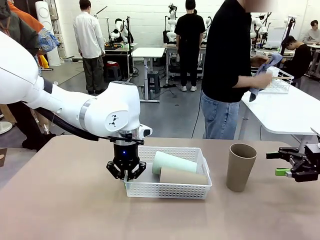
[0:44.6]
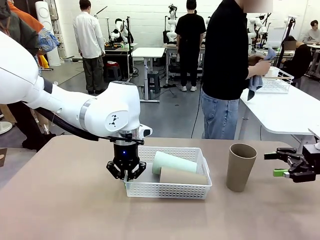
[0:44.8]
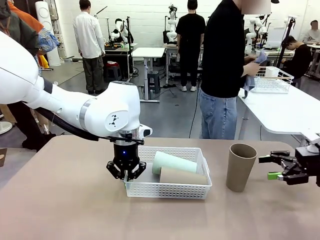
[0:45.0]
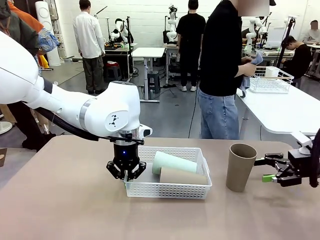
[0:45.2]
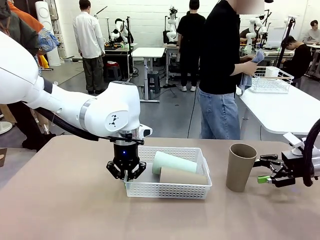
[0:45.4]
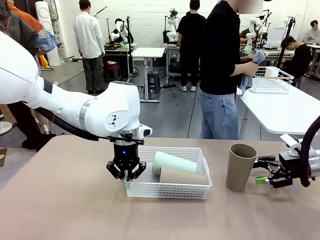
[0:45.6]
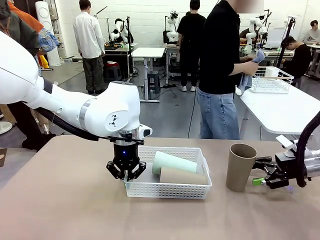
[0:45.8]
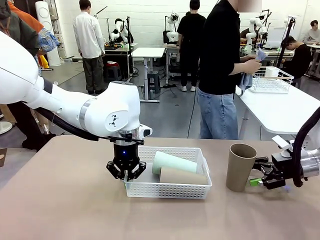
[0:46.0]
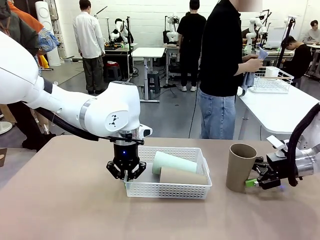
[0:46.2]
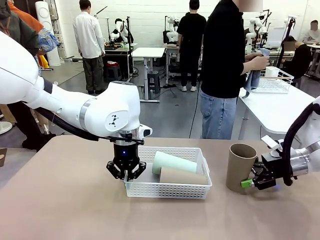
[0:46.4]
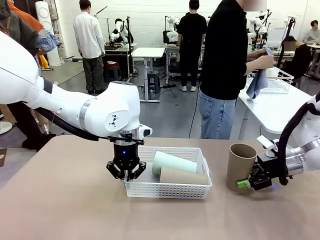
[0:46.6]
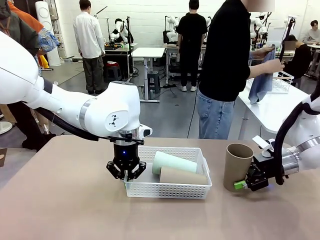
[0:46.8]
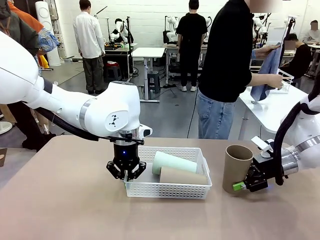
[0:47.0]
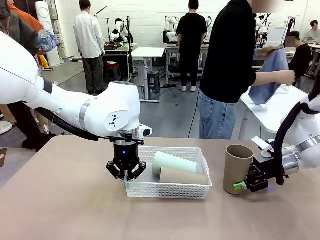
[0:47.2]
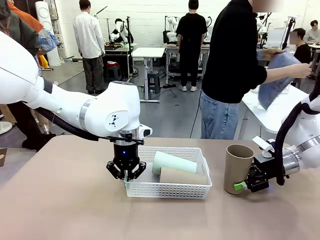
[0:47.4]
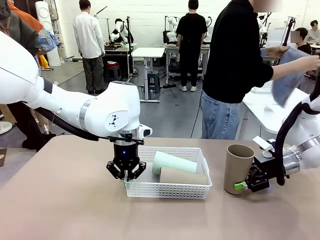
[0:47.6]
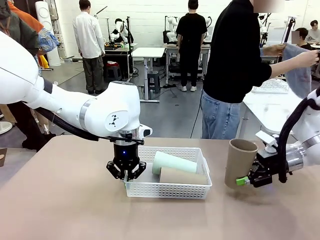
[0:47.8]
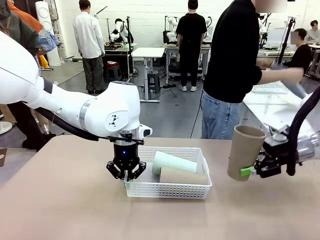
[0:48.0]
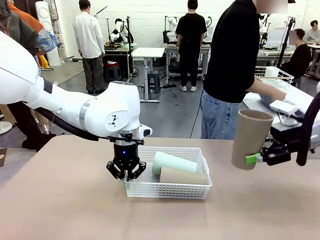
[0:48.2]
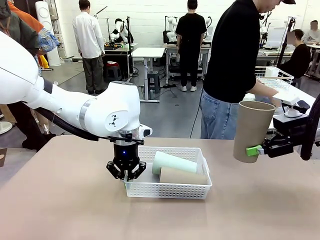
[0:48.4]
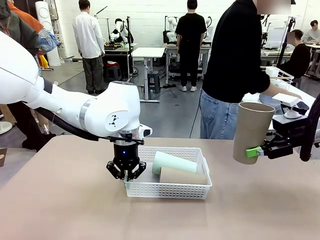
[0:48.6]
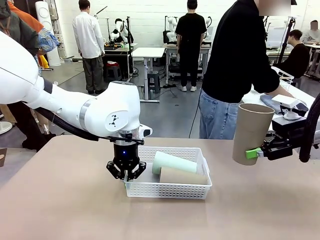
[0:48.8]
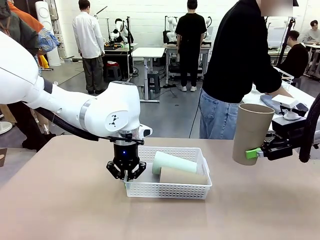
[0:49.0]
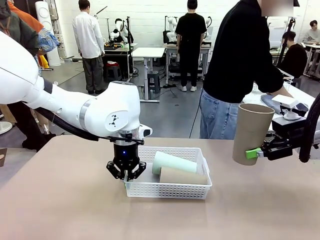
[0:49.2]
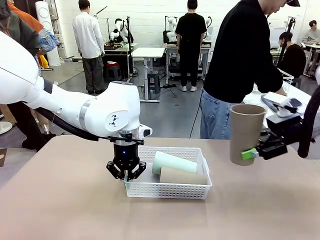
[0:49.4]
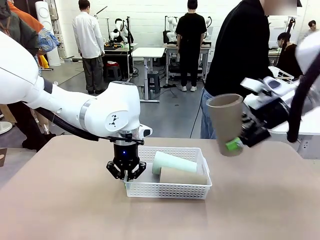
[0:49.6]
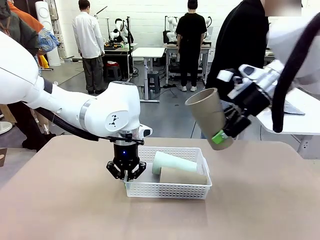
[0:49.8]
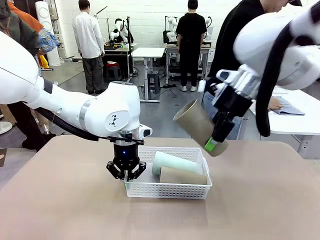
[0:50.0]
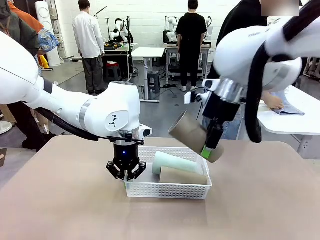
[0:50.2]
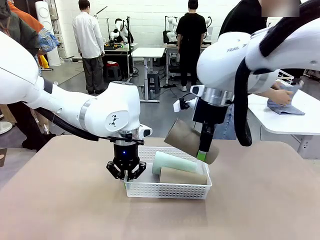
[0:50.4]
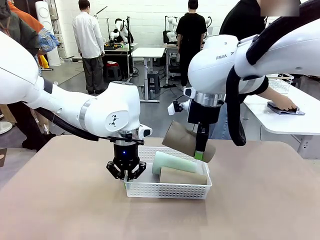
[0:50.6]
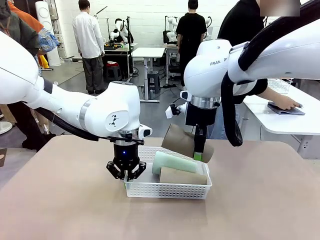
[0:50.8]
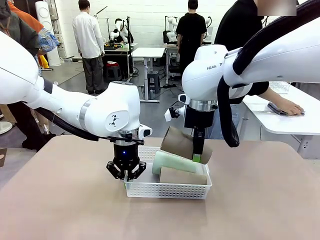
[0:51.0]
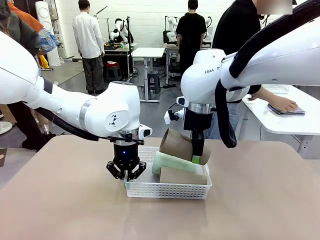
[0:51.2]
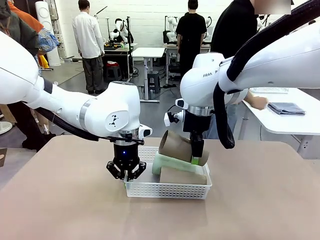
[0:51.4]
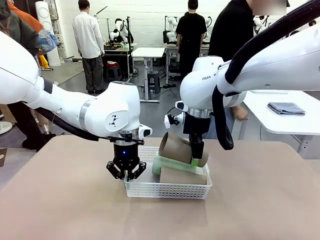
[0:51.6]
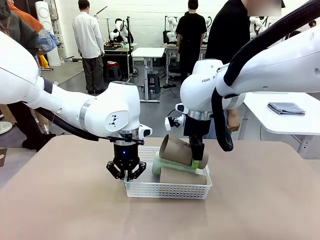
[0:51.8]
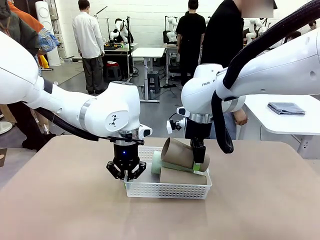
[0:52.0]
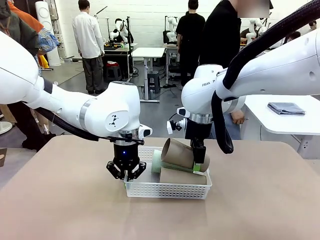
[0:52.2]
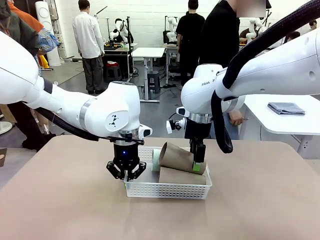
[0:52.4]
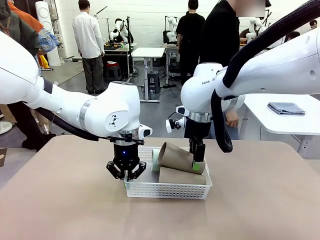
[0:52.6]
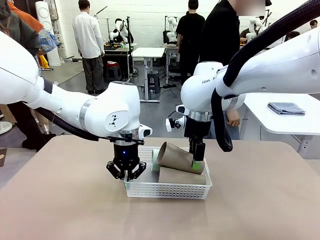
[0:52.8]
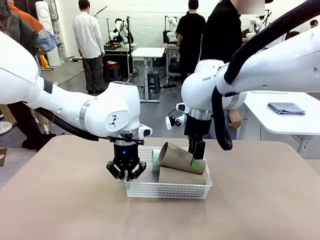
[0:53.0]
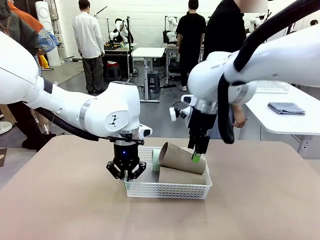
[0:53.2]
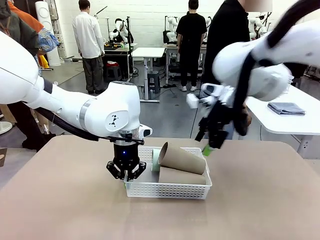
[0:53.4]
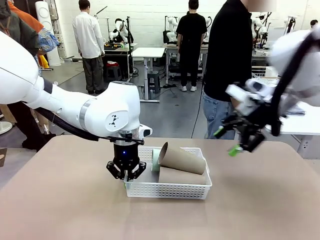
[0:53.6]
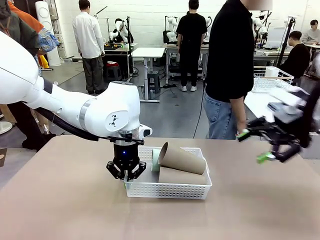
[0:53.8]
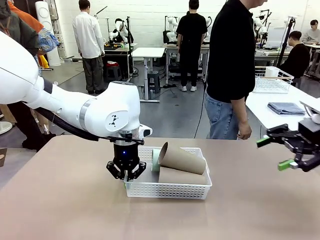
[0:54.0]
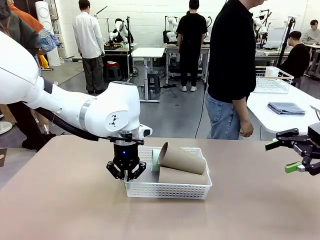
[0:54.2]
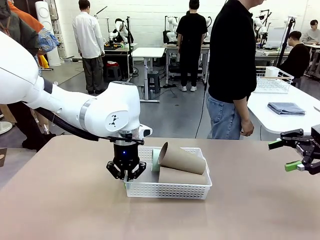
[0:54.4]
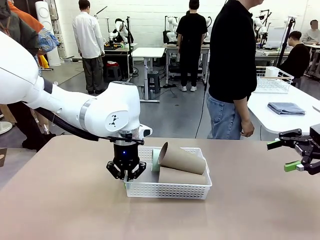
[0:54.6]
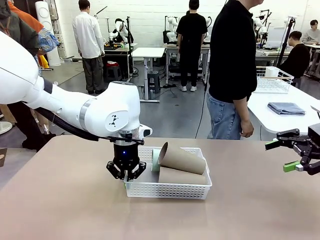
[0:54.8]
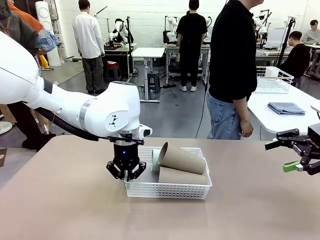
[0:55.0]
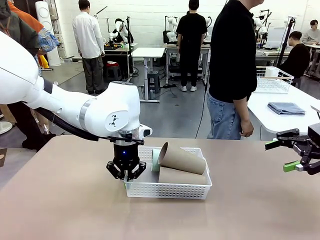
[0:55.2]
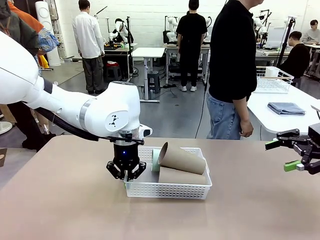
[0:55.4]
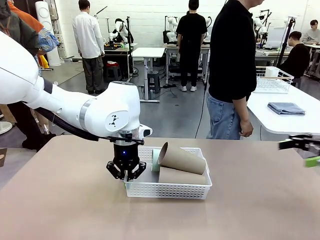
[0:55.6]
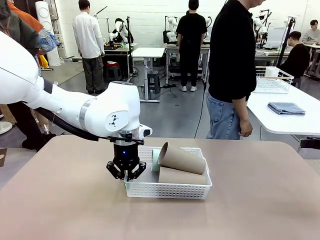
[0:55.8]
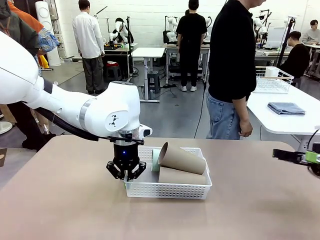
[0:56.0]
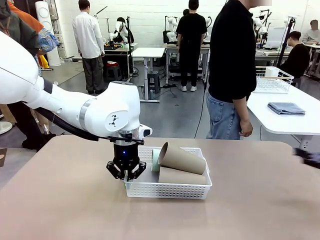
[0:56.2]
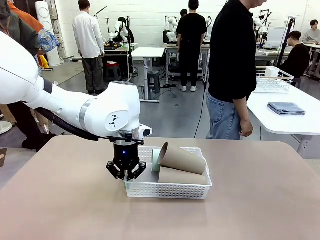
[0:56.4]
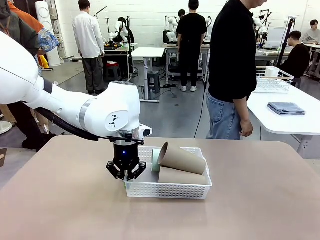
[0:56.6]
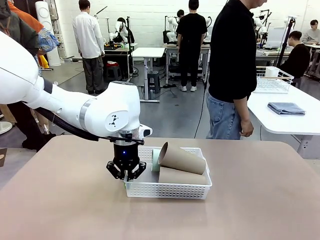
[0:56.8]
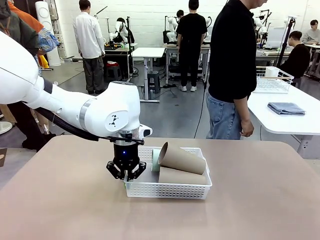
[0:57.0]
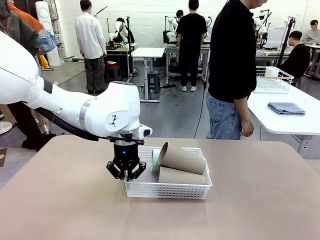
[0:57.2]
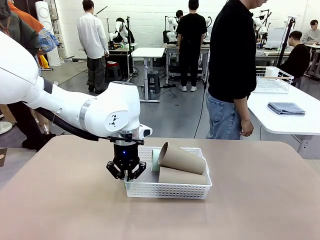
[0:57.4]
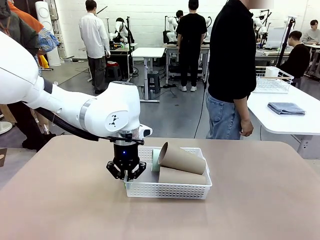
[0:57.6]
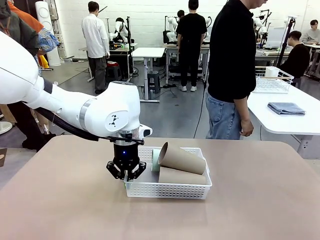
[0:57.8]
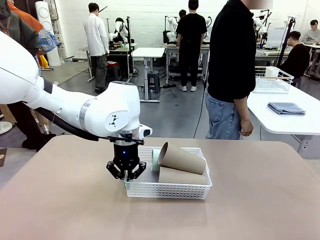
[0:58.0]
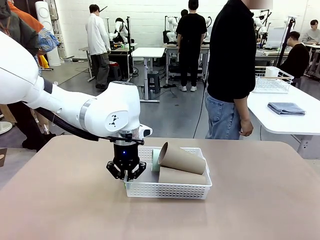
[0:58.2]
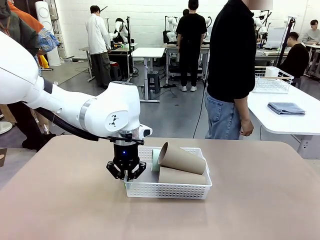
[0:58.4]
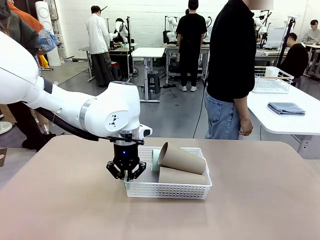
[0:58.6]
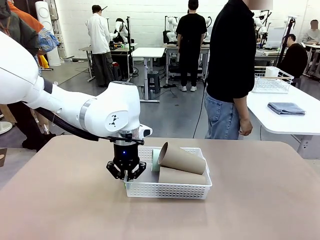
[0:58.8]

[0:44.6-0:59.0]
Task: Clean and organize the cups into the basket.
Robot: Pick up the Reusable plastic cup from the right side of the table and stack it inside the Organizing basket in the center of the table.
Person: Folds the towel in half twice and places it in the right of the table.

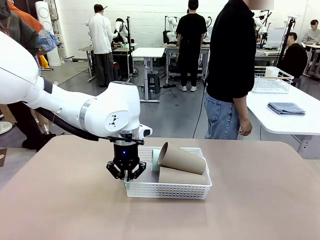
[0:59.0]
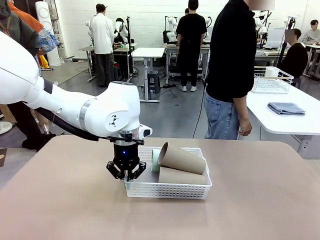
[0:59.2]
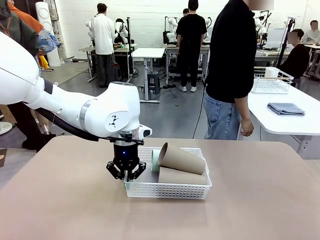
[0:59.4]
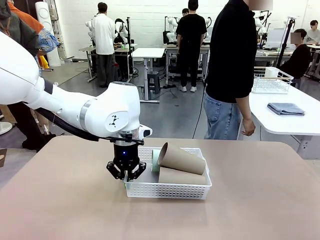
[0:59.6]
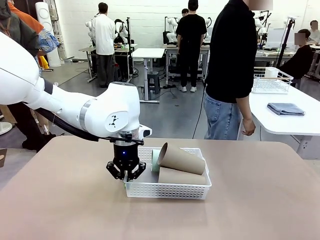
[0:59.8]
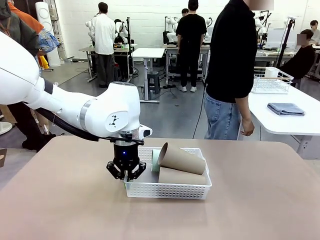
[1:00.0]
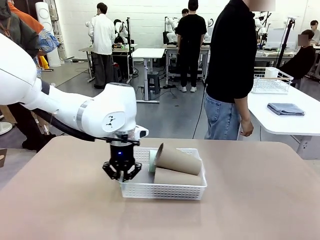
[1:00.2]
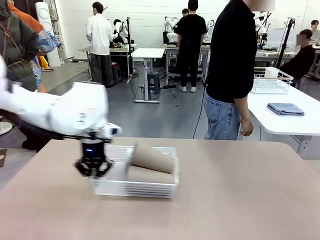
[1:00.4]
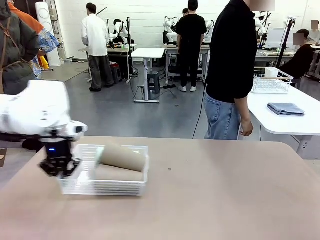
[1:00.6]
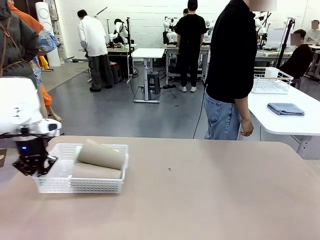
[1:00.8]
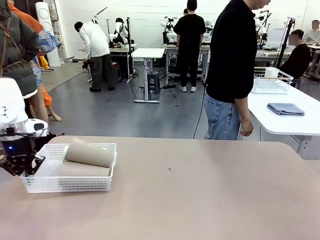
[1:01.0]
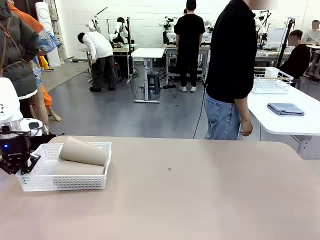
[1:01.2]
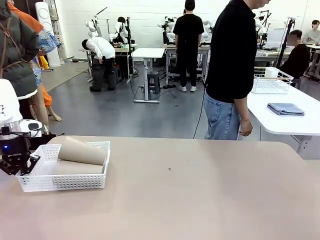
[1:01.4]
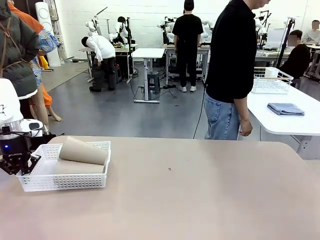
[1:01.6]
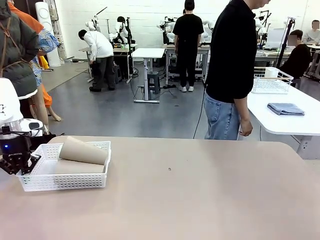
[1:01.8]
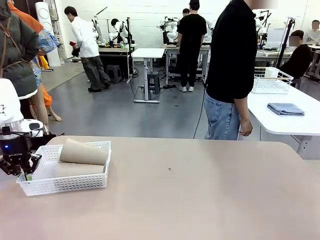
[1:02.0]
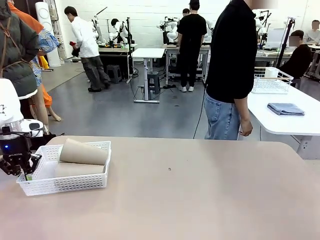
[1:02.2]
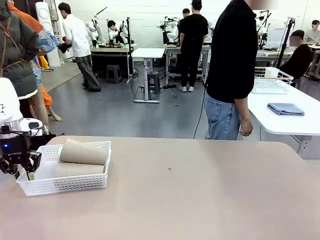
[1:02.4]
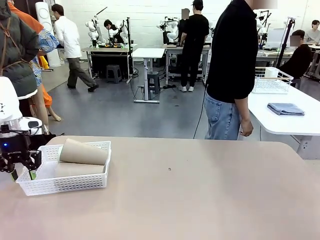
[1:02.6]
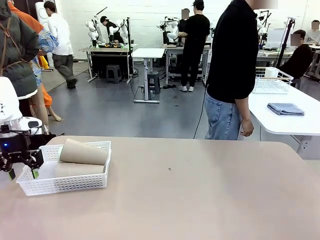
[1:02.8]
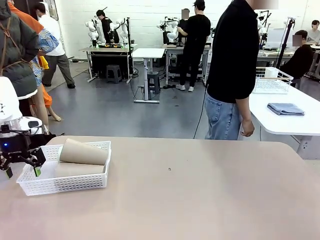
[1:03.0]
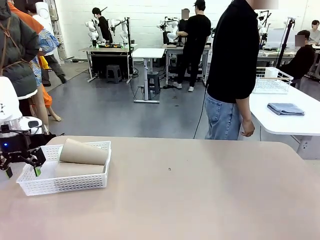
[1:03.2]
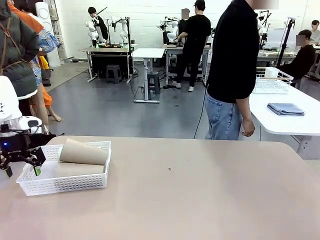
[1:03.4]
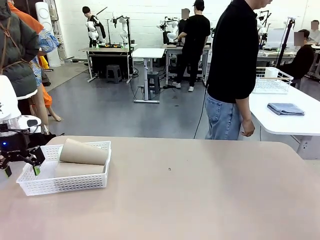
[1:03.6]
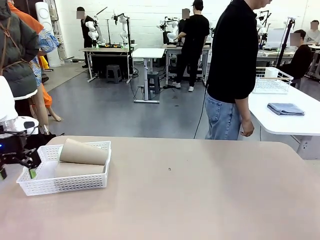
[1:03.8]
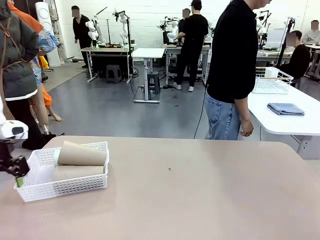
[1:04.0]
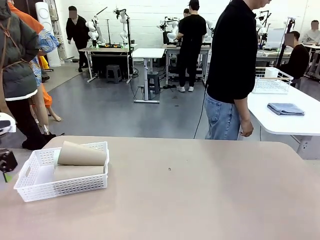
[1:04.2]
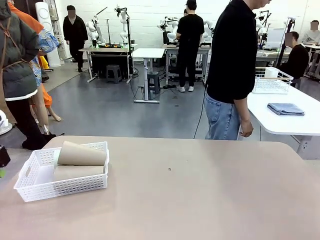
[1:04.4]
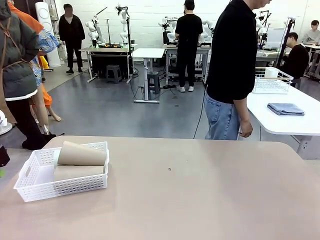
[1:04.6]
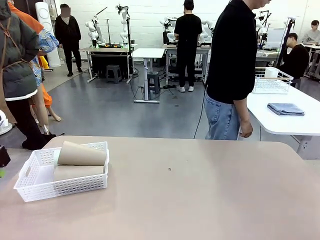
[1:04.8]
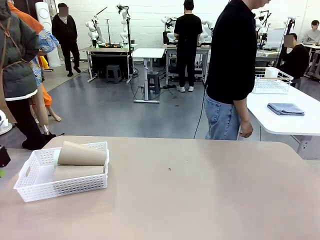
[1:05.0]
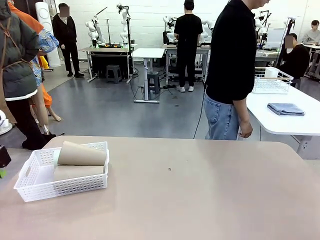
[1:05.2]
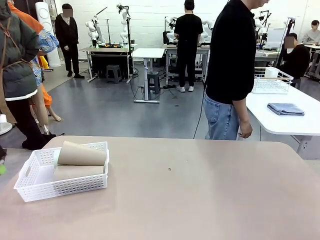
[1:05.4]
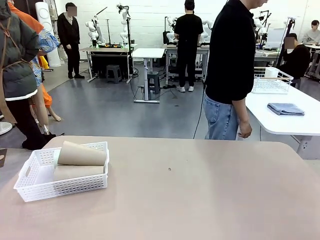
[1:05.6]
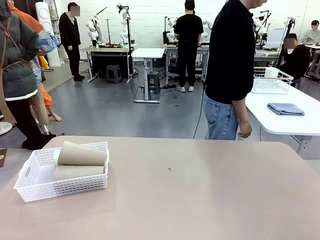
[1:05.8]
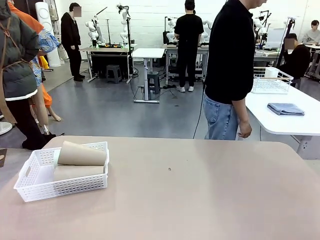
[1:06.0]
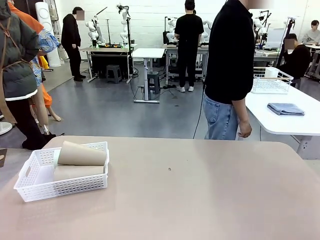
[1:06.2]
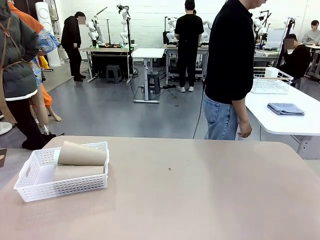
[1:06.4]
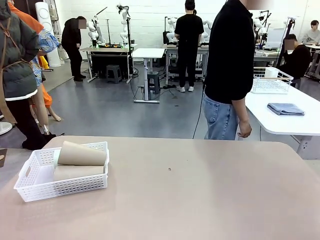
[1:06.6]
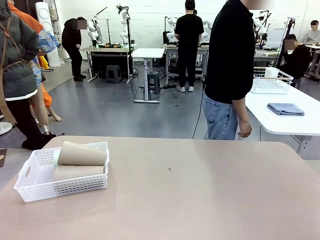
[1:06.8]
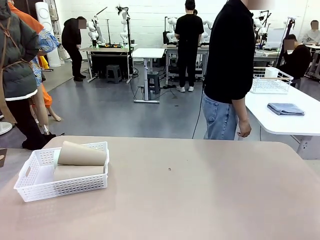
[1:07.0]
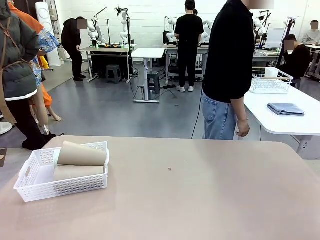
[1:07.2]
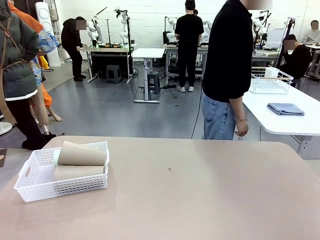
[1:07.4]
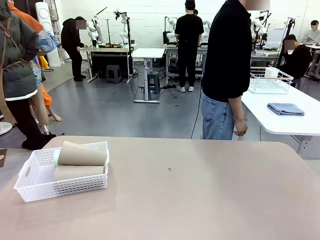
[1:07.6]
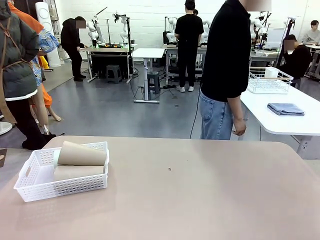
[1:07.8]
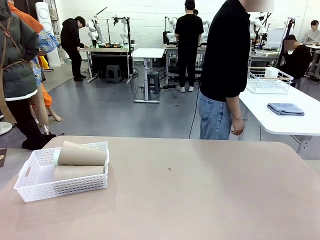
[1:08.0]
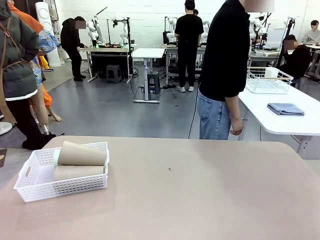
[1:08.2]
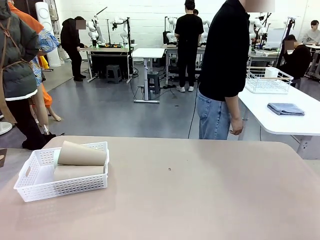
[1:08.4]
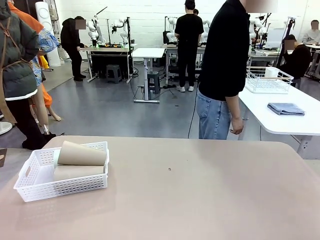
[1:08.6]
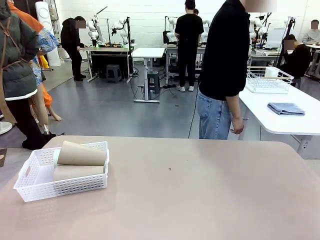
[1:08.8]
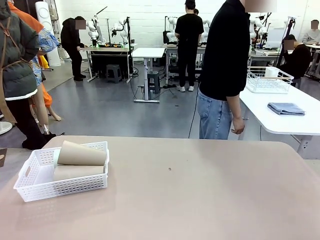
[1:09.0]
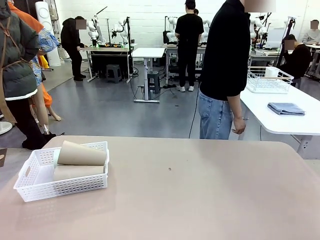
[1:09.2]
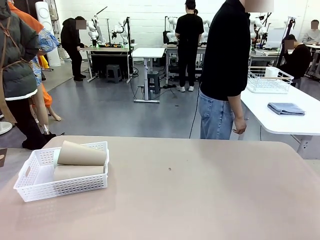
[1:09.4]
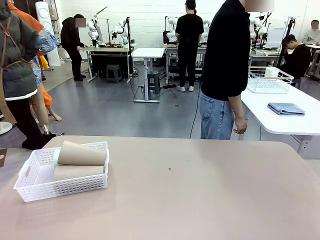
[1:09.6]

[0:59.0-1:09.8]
Robot: Move the Organizing basket back to the left side of the table.
